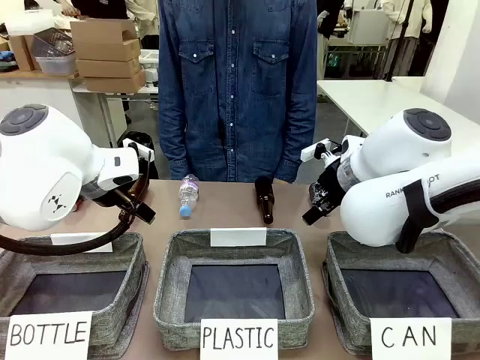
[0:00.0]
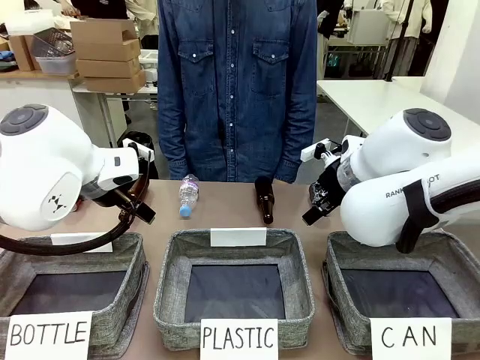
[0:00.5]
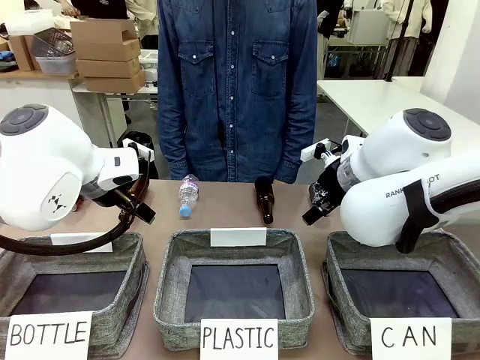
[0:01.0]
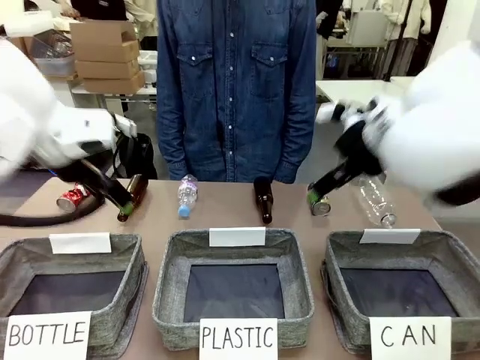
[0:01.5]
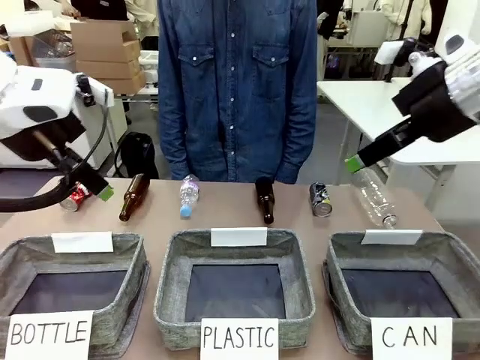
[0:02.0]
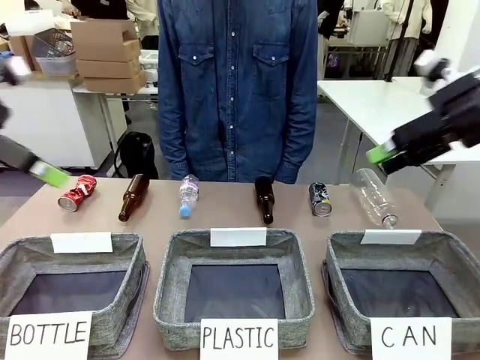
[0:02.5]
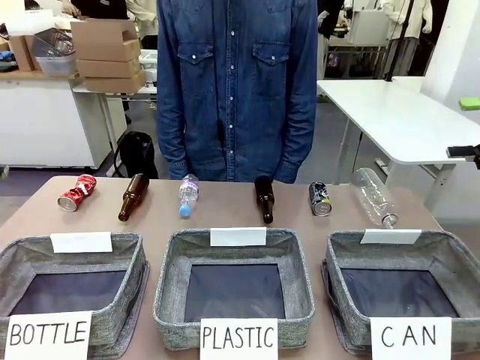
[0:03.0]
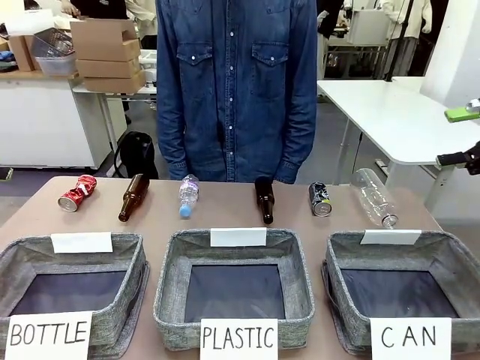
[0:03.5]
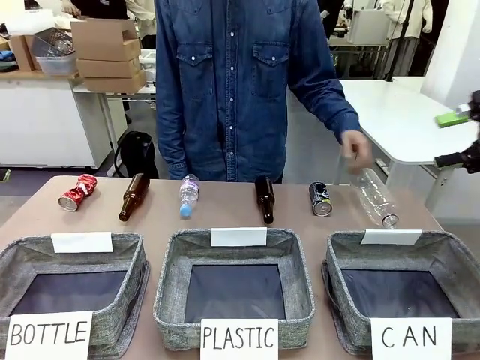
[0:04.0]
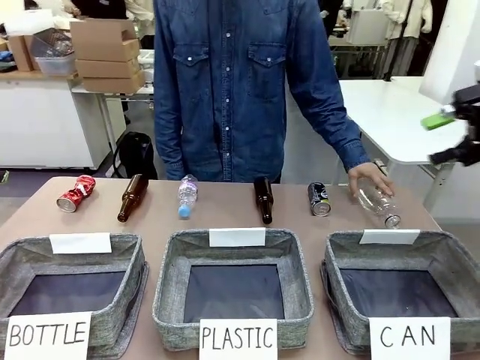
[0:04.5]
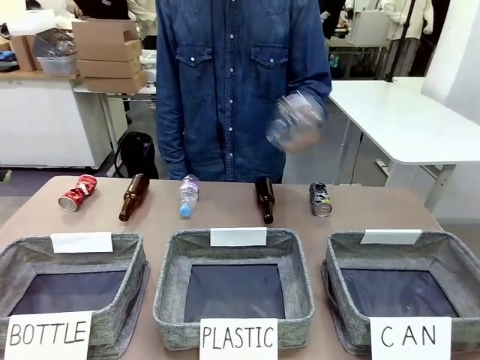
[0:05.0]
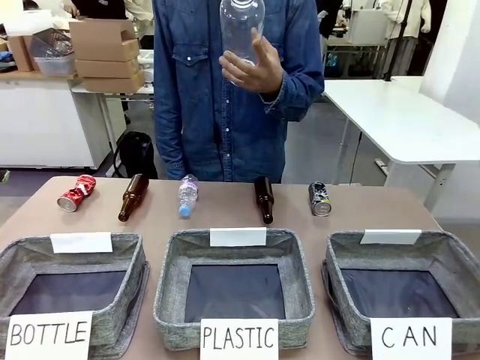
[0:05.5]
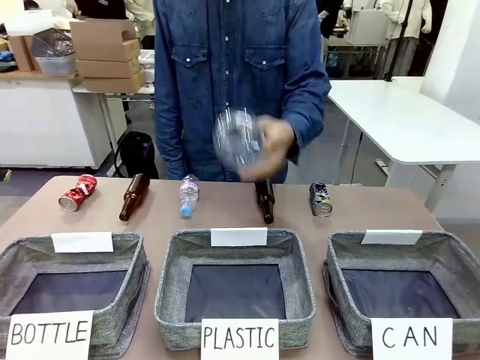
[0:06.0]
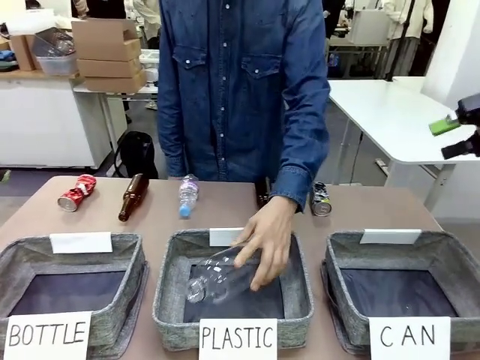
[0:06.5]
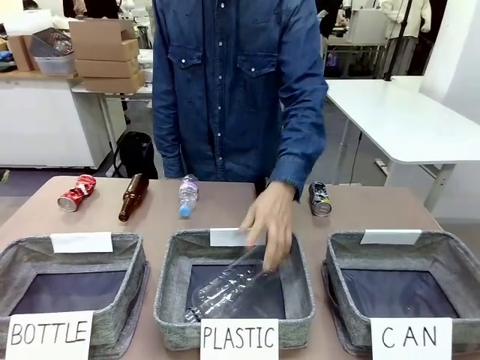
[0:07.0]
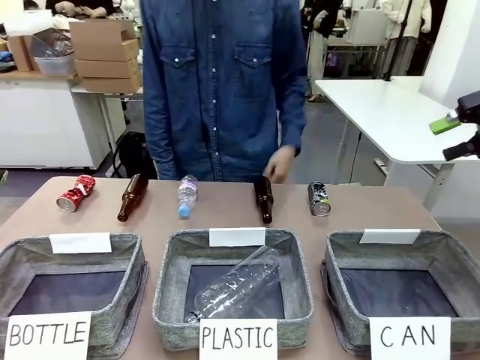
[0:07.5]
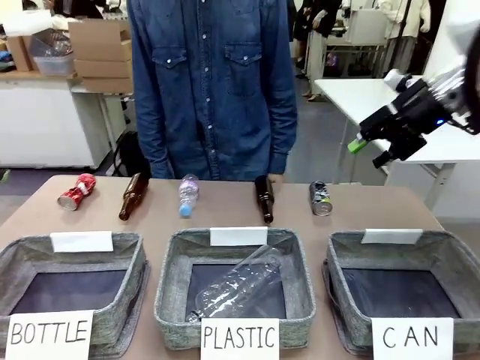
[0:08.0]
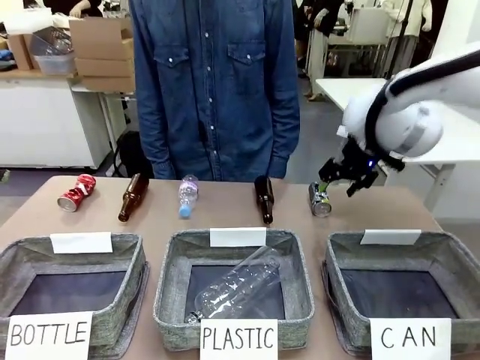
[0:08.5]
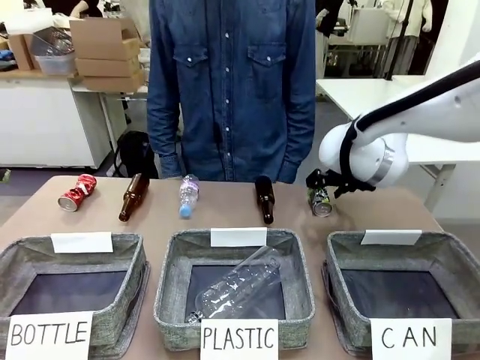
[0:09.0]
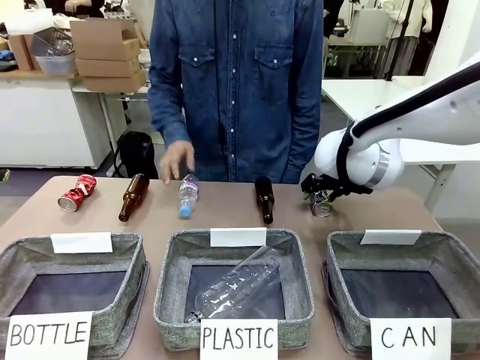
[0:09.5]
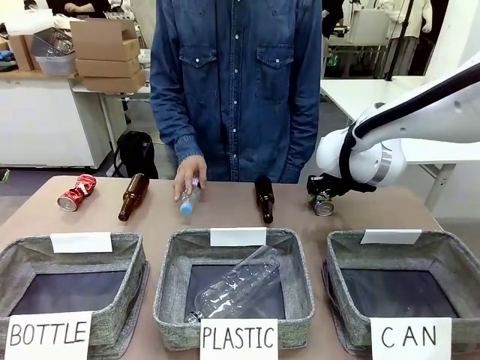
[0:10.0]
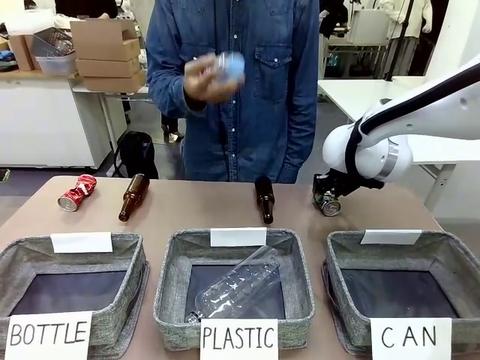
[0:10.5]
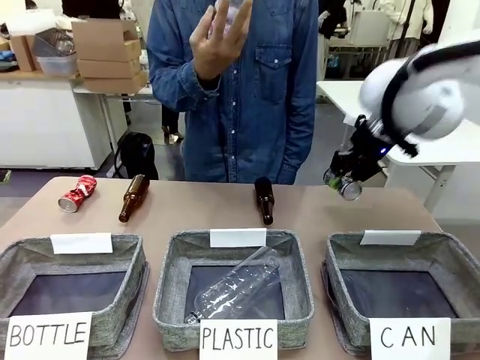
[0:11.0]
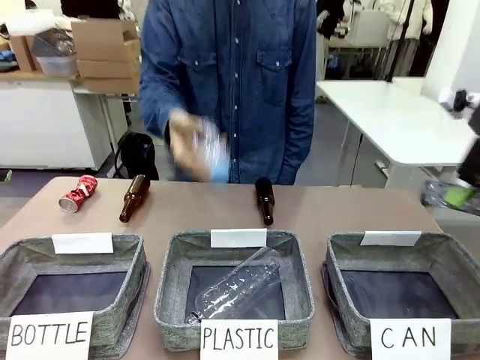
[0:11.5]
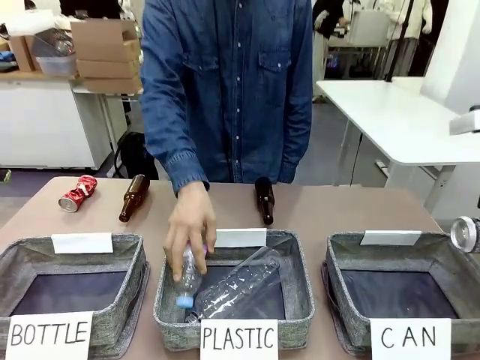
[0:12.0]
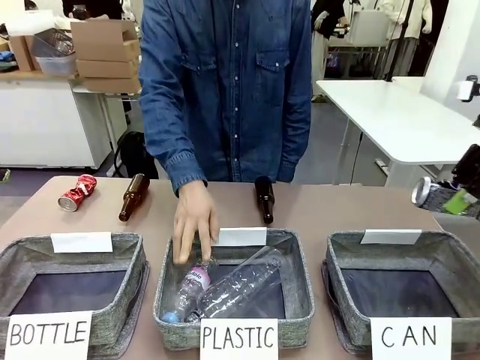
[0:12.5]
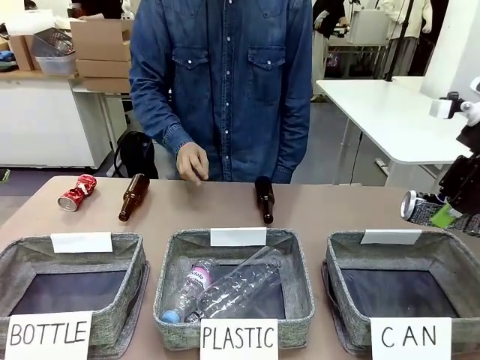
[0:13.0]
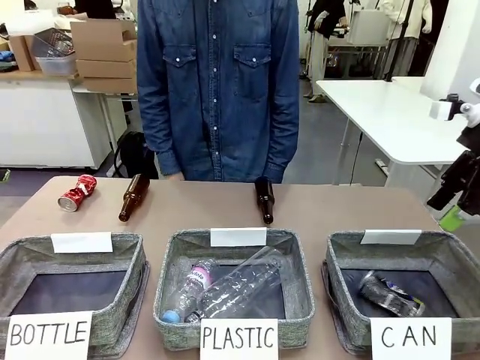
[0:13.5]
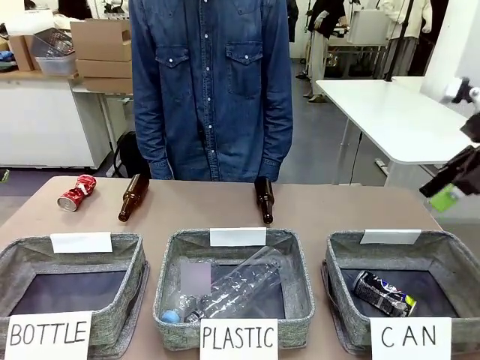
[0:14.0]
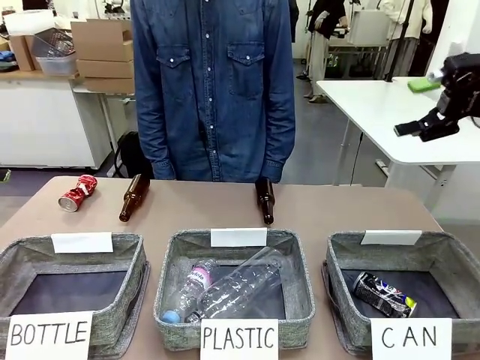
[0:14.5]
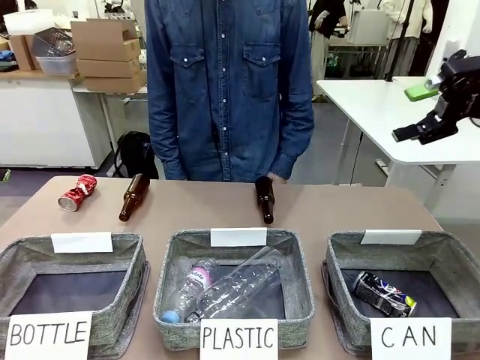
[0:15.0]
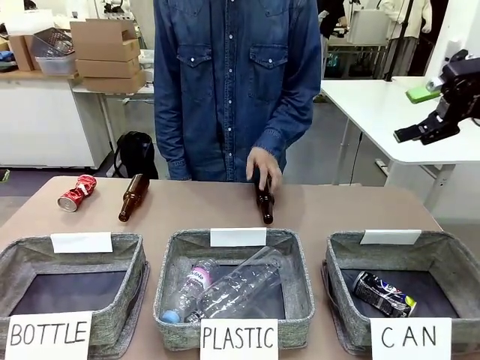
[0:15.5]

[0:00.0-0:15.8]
Task: Sort the can waste into the basket.
Robot: Pick up the can waste from the table and place it in the right Fabric basket.
